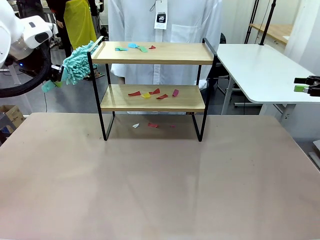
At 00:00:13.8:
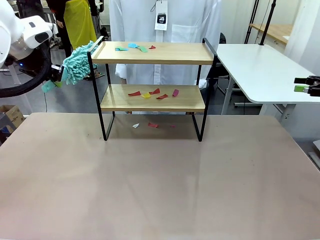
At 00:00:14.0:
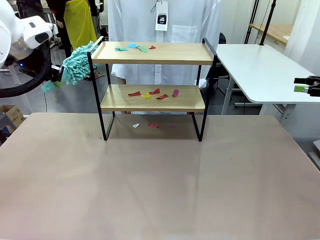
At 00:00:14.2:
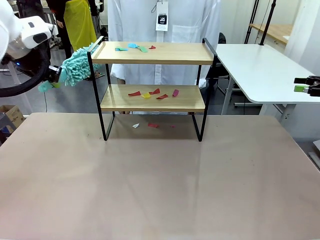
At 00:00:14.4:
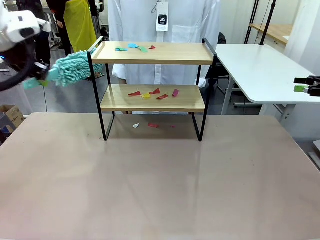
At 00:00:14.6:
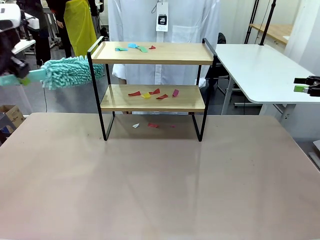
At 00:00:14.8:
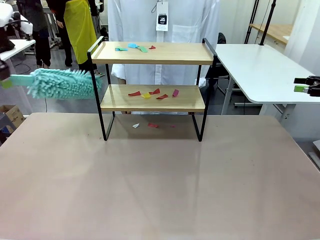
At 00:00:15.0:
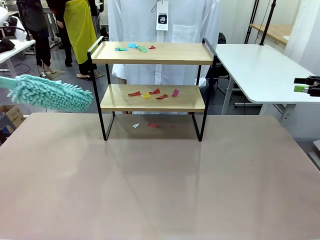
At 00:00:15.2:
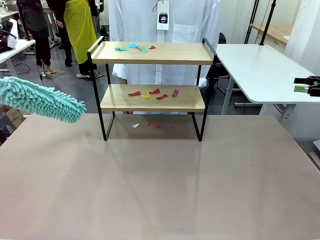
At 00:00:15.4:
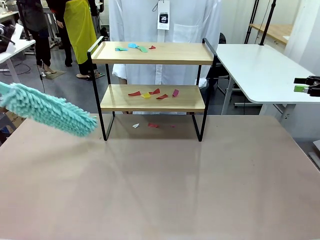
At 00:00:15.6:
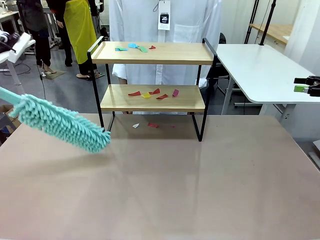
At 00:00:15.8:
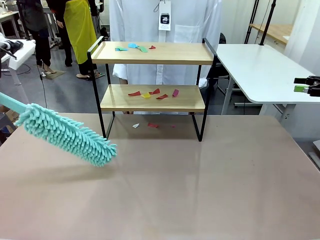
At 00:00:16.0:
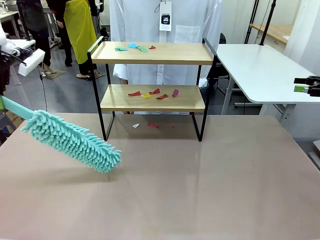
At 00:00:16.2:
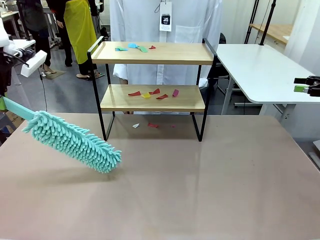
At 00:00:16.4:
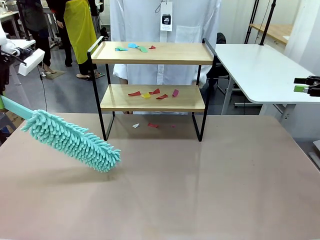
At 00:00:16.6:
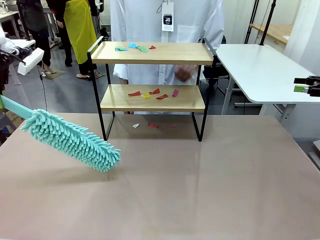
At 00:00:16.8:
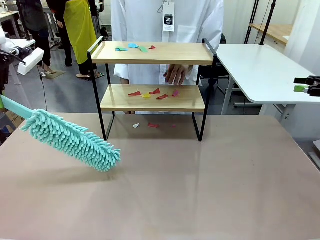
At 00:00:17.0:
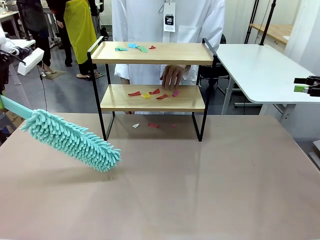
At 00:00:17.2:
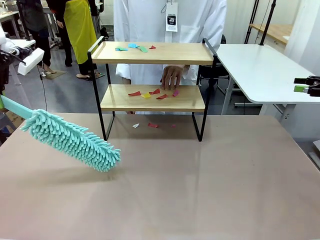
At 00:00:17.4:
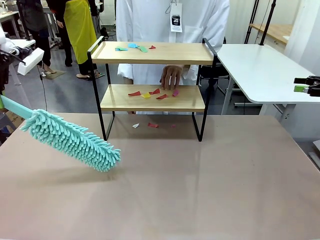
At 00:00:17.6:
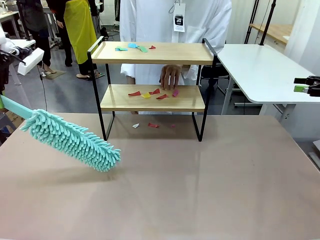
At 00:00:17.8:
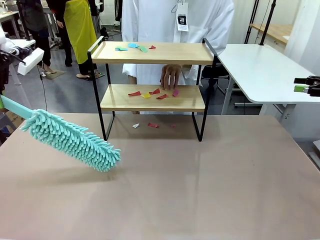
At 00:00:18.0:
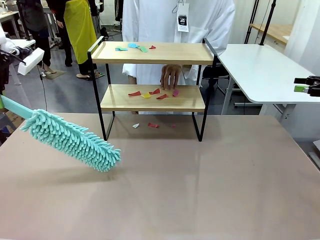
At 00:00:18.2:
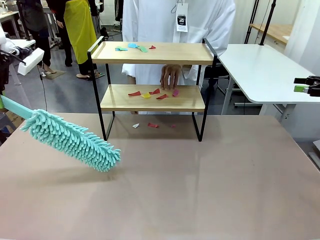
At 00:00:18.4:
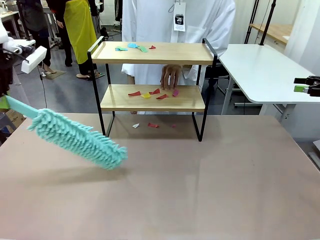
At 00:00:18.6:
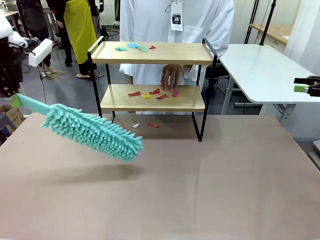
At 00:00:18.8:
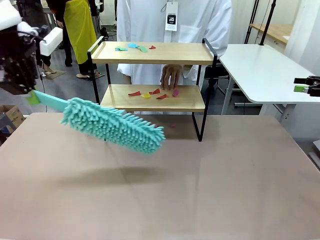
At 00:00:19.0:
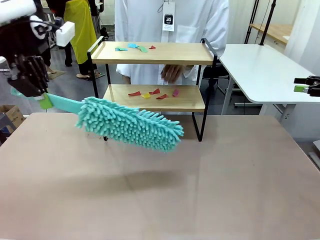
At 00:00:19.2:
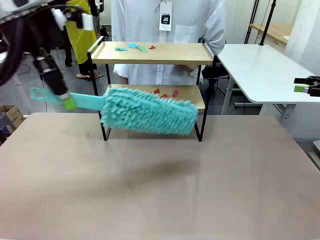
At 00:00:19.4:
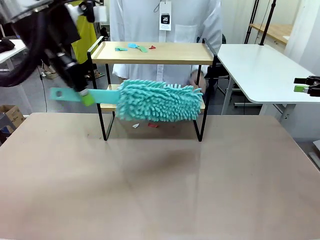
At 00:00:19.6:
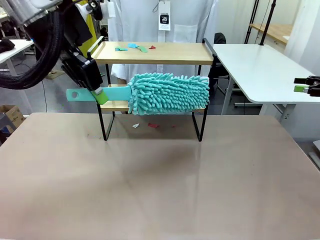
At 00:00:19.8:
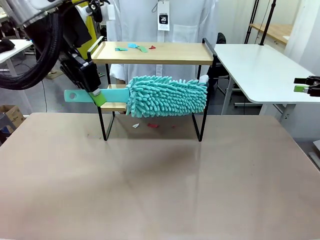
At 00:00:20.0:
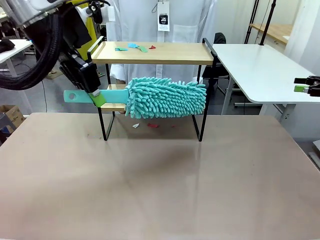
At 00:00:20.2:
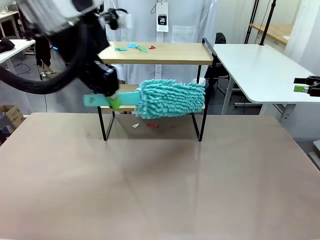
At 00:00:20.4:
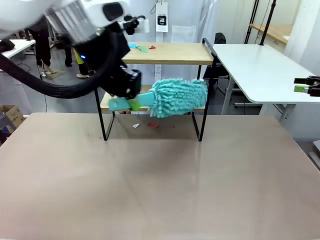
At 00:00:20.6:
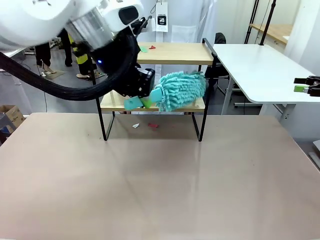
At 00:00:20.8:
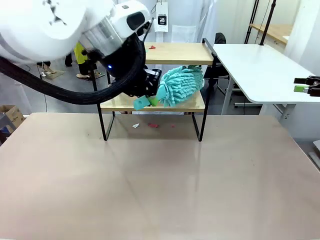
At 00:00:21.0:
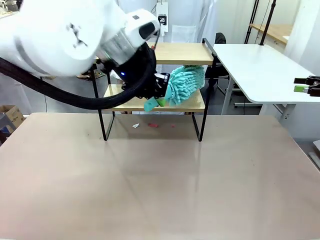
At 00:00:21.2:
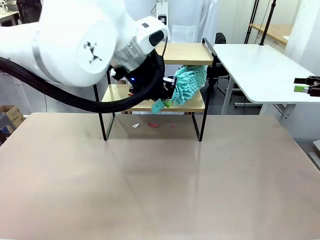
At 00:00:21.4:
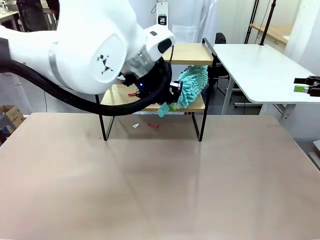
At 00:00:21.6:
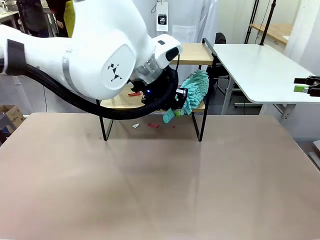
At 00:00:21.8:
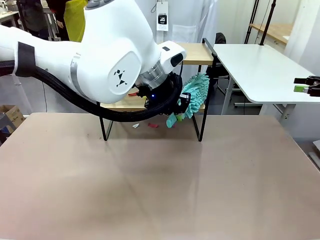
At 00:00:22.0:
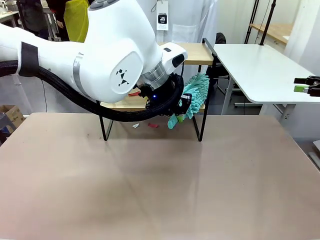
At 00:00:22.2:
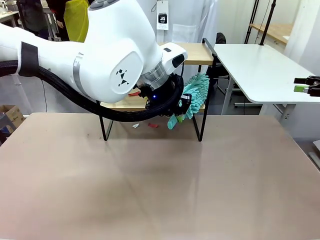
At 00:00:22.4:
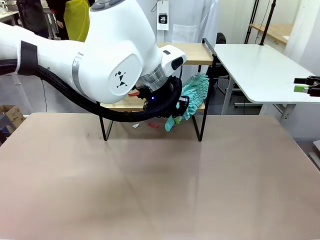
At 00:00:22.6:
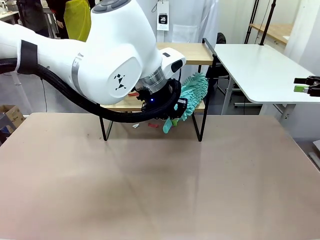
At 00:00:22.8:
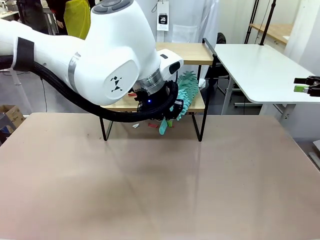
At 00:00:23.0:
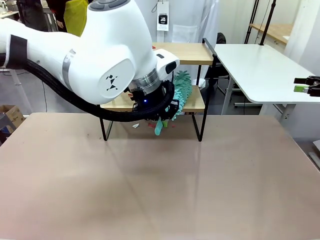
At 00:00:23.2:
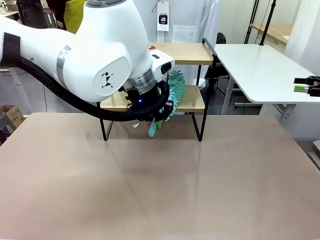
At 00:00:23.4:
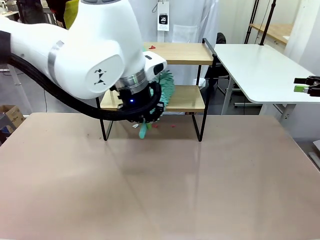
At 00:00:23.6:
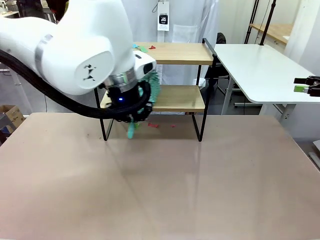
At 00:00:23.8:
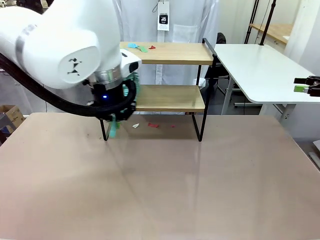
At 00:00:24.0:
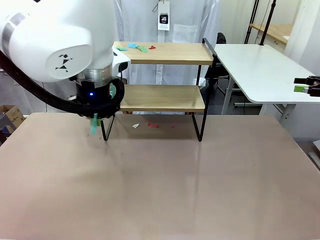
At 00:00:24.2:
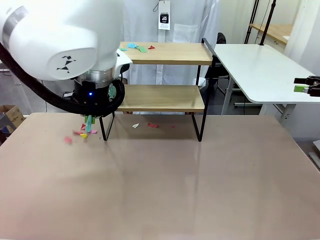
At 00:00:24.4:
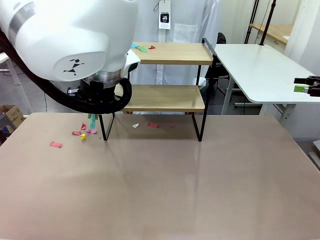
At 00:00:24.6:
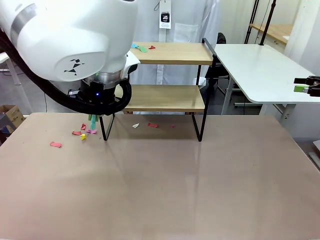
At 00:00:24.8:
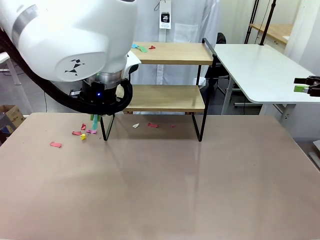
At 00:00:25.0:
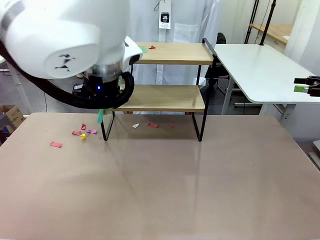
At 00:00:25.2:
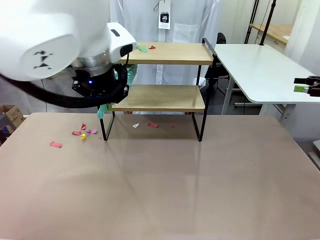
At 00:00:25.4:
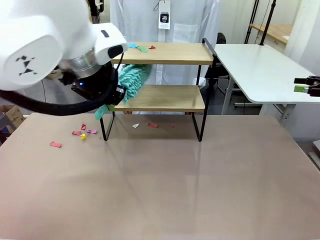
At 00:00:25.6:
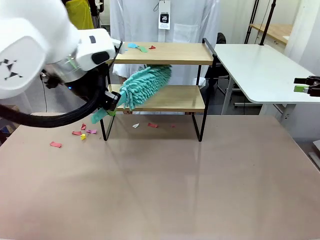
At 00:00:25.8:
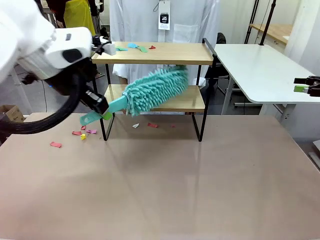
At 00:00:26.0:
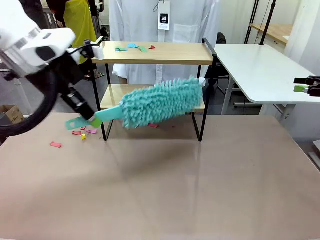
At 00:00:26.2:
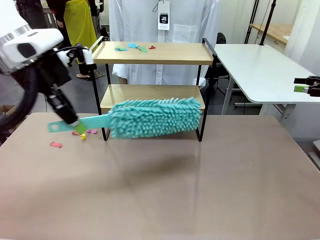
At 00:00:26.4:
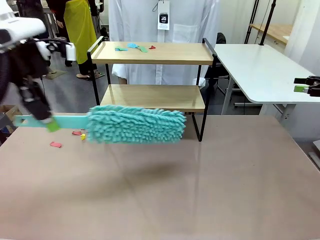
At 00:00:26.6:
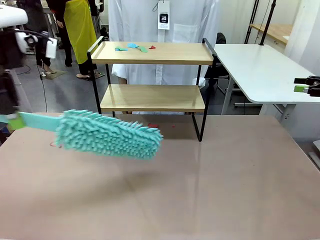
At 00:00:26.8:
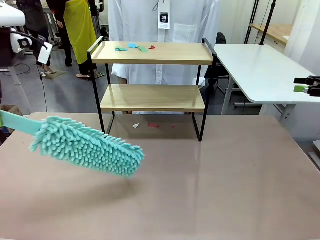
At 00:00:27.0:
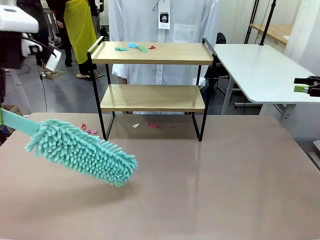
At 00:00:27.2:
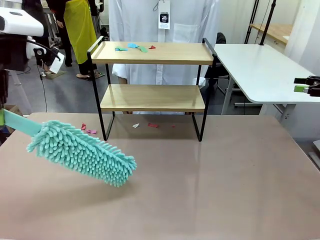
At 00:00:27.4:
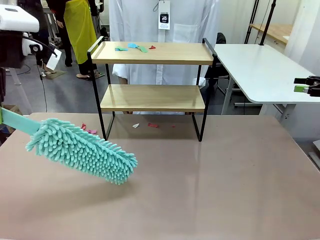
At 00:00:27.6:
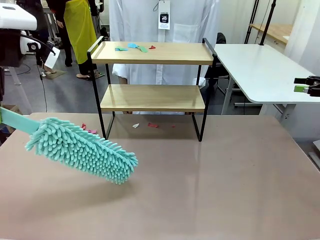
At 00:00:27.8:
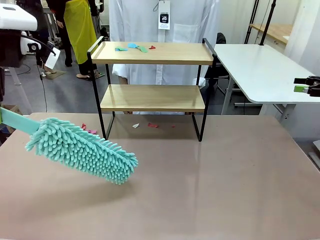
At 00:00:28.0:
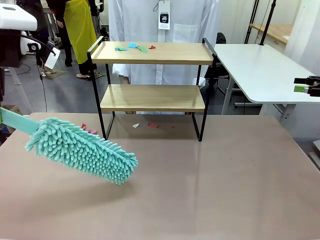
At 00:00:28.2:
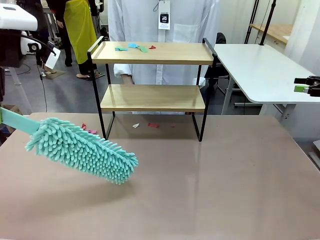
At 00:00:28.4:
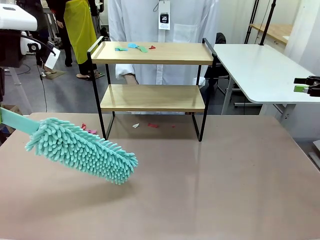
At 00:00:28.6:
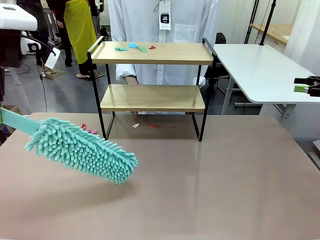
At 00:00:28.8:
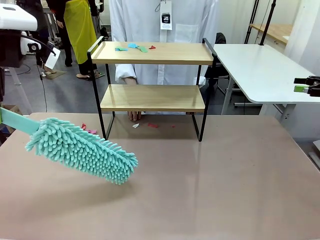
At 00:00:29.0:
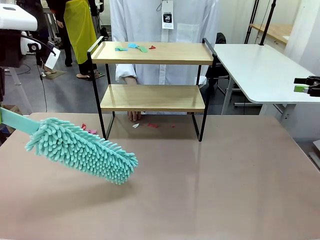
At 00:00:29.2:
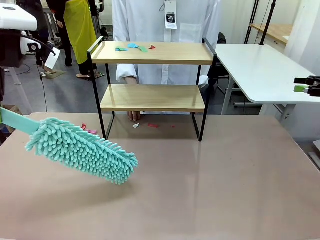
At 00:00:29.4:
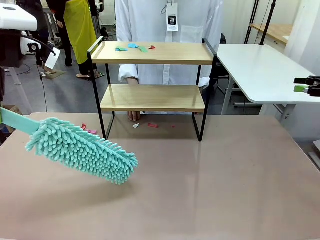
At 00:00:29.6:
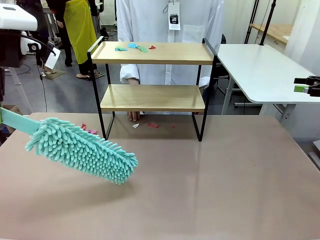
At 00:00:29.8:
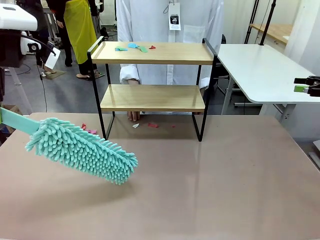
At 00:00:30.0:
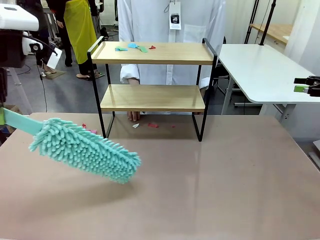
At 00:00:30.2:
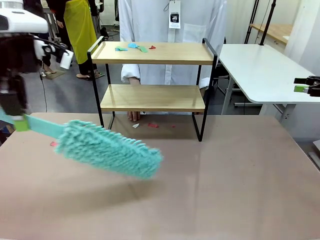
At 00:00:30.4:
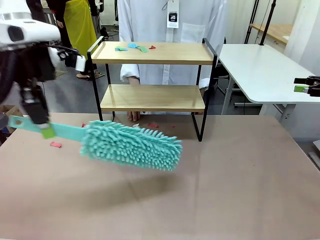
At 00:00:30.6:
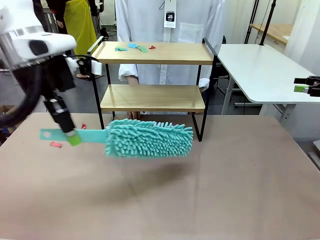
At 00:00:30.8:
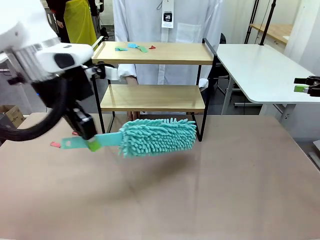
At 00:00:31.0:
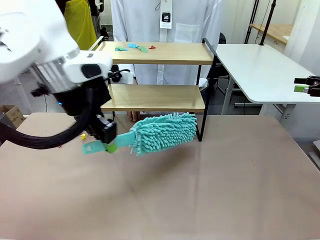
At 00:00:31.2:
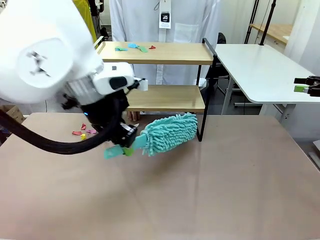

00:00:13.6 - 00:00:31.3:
Task: Clean the shelf.
Robot: Clean the specific section of the Shelf indicated by the human with the Duster.
Person: Point a random section of the Shelf.
